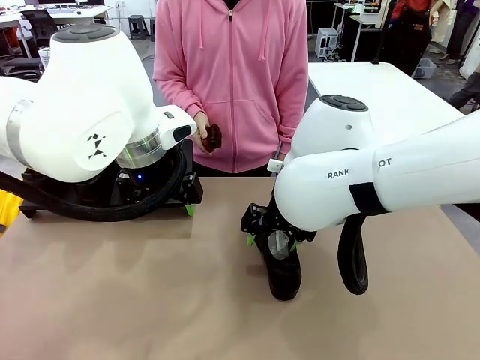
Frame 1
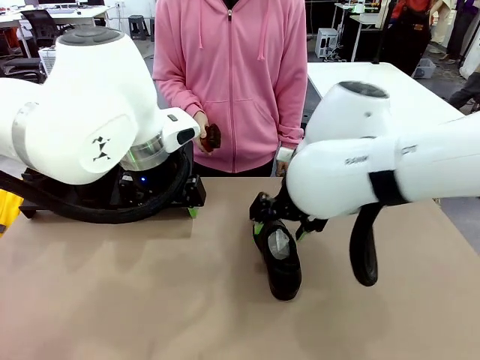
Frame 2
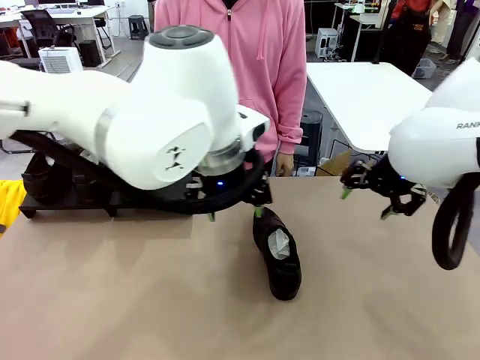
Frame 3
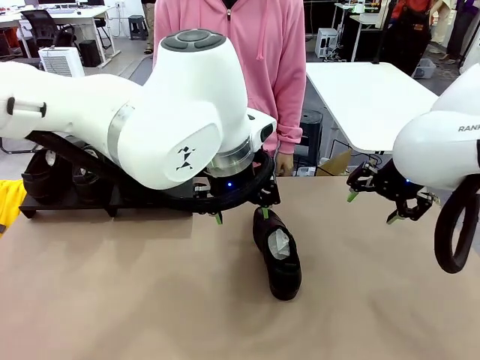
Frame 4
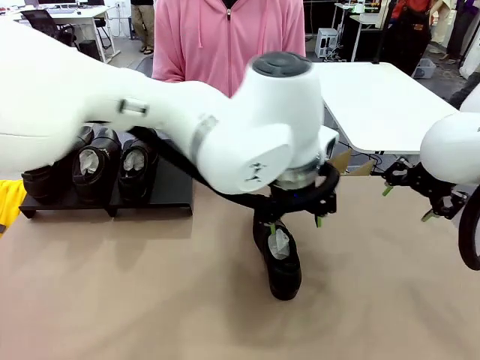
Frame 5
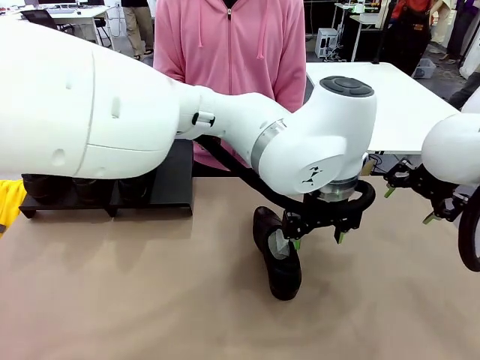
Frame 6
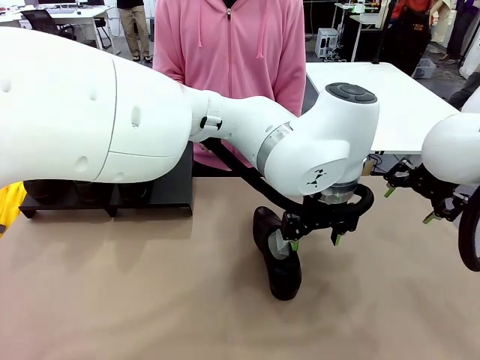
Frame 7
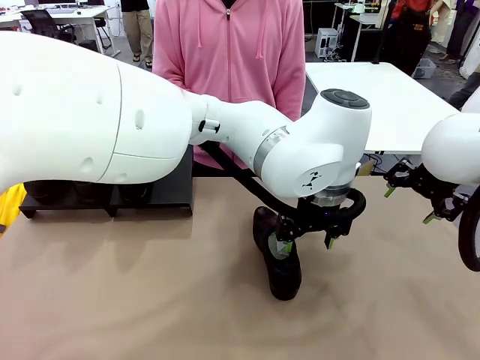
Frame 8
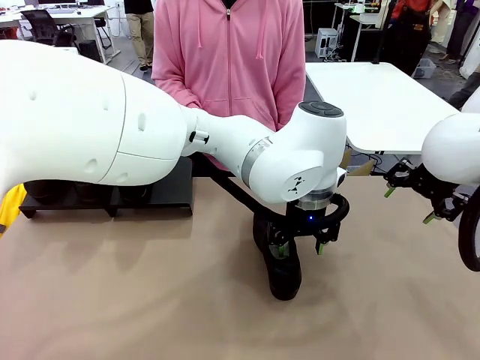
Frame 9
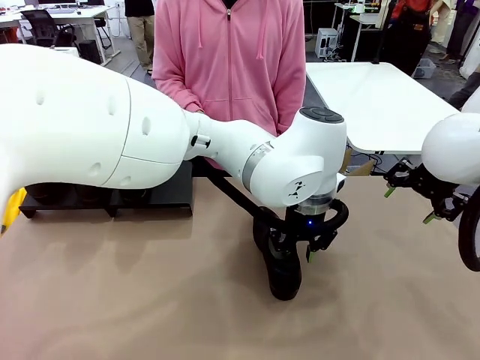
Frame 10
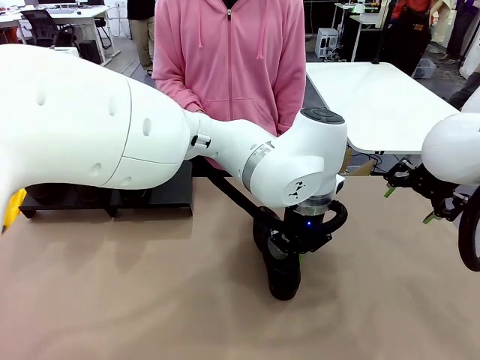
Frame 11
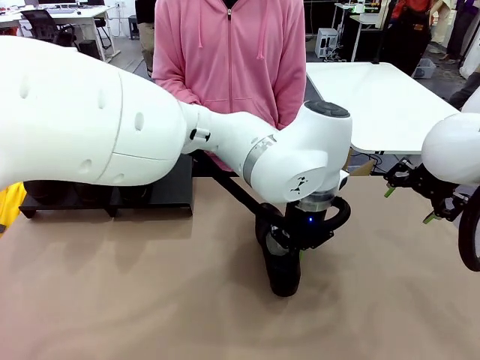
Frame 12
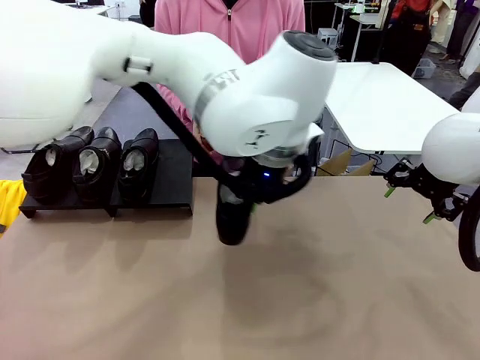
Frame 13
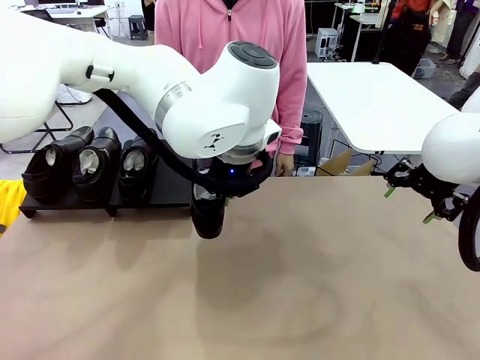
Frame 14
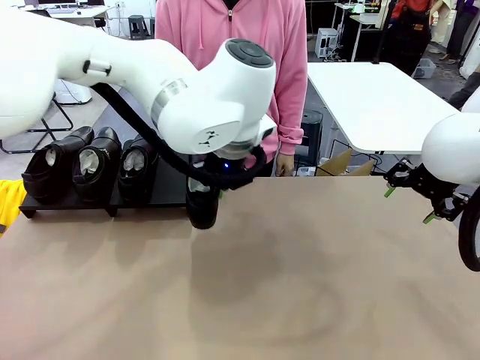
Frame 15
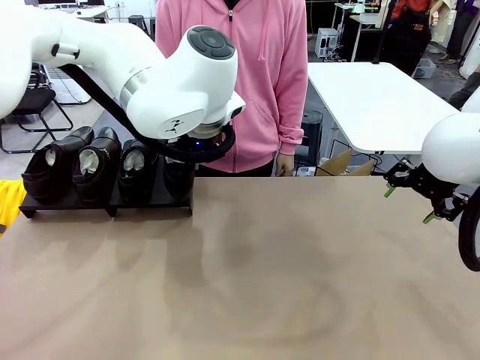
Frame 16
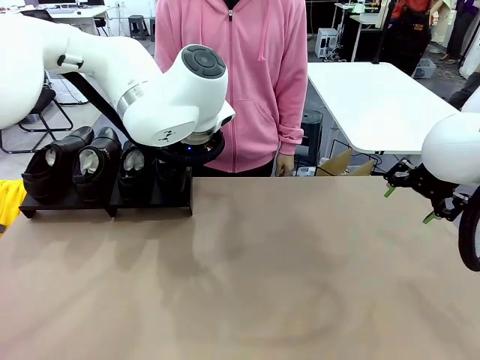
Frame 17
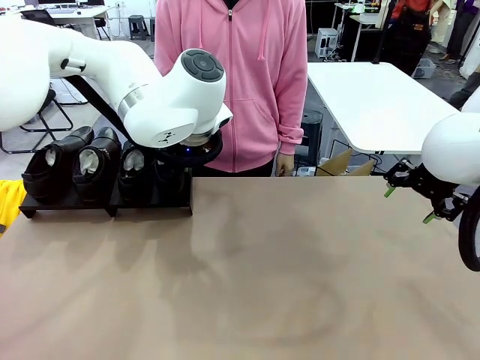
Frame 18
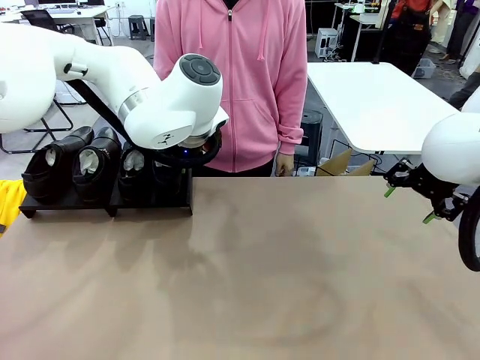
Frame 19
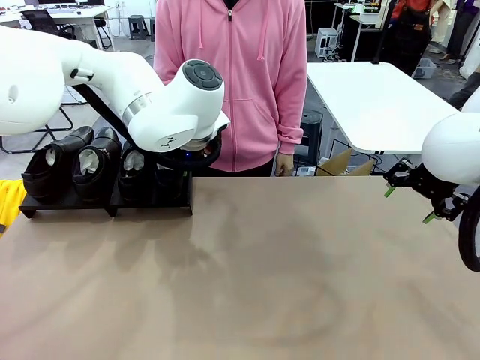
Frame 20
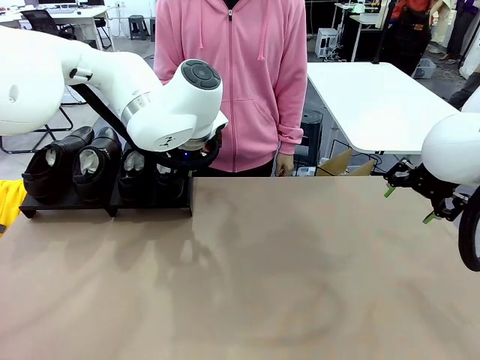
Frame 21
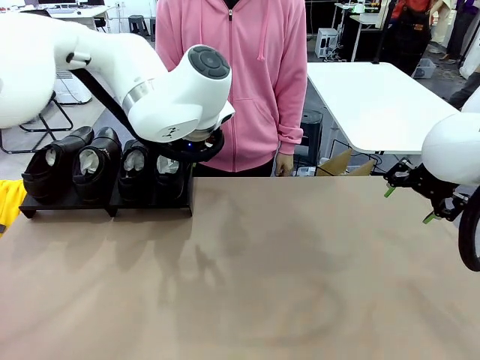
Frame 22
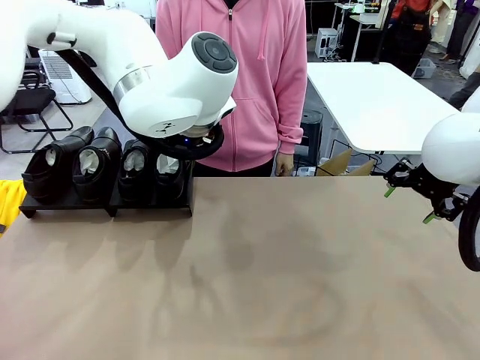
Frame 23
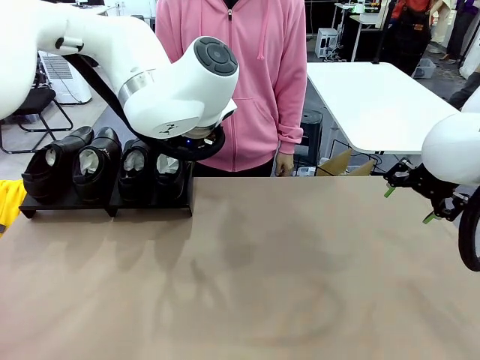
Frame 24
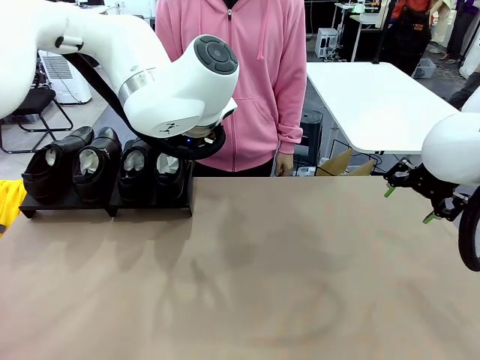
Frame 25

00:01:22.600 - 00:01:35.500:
Task: Organize the shoes by placing them on the stand.
Robot: Place the Shoe from the middle of the table onto the Shoes Stand.

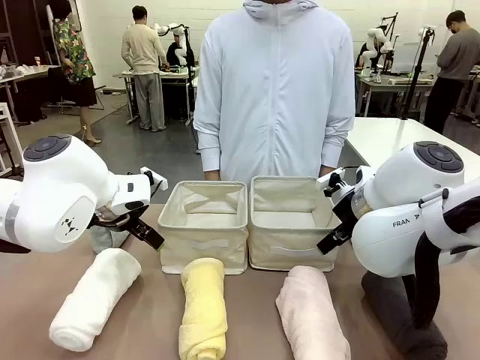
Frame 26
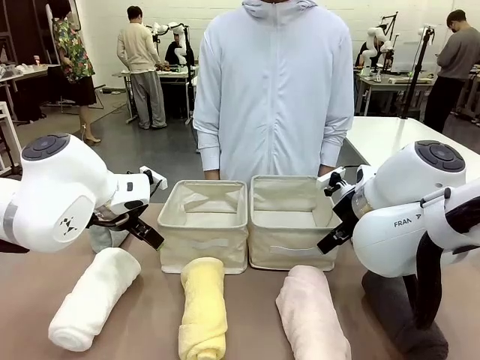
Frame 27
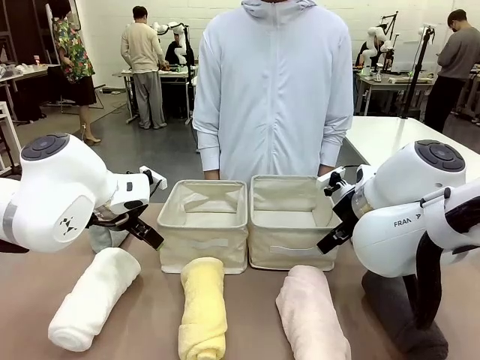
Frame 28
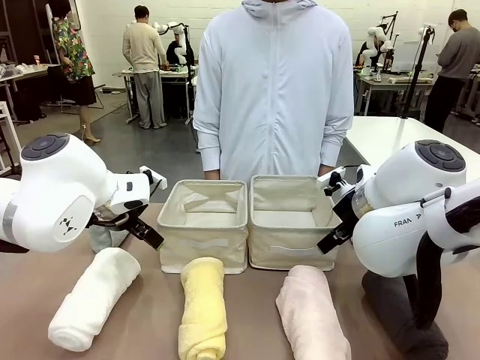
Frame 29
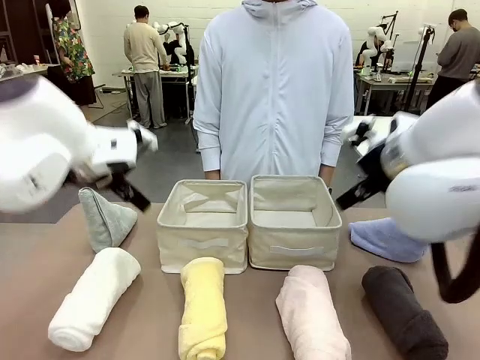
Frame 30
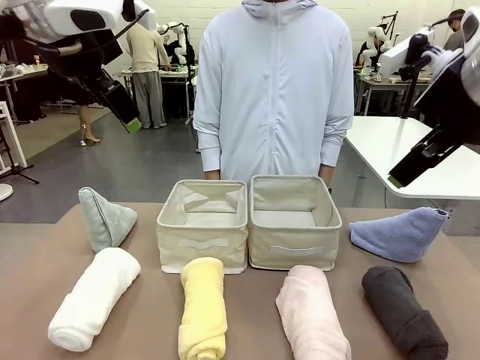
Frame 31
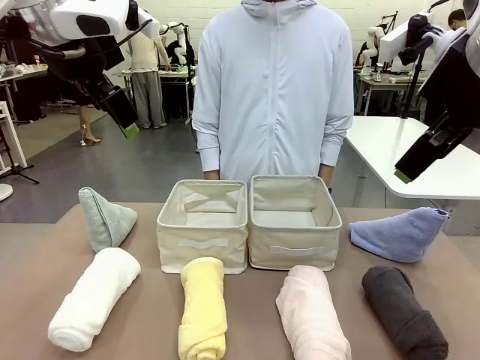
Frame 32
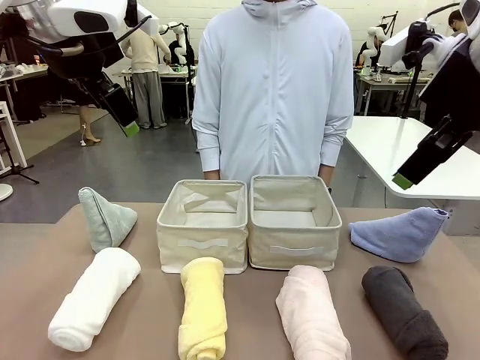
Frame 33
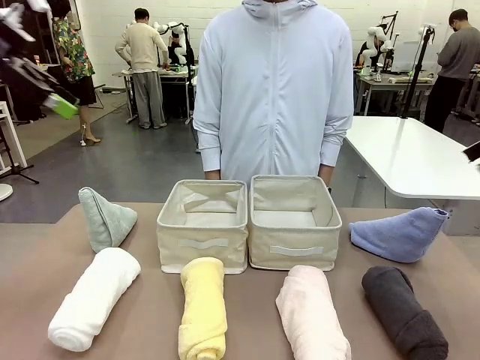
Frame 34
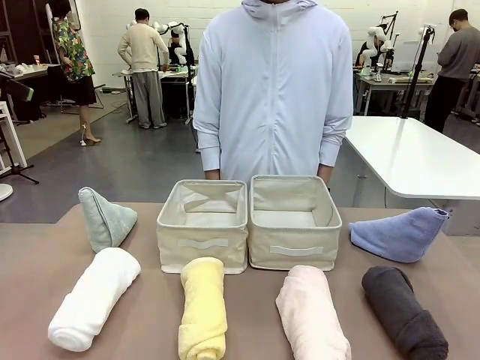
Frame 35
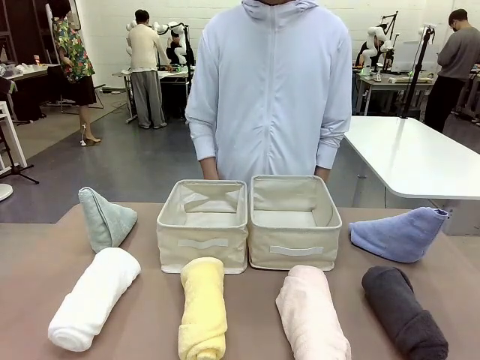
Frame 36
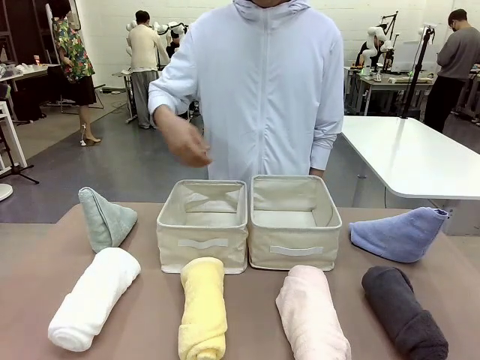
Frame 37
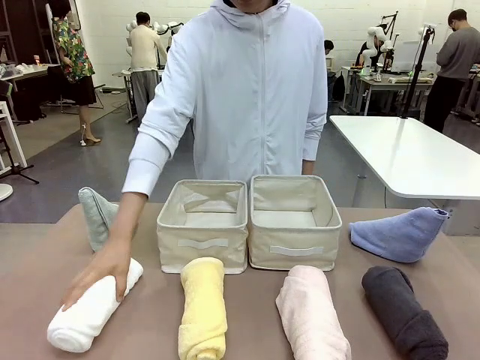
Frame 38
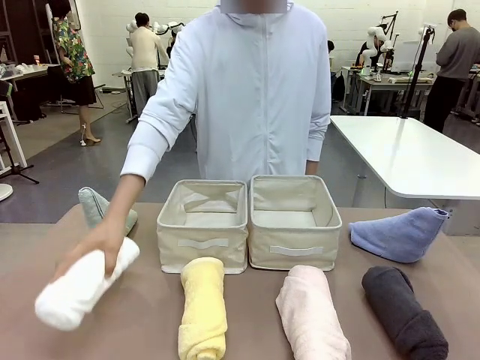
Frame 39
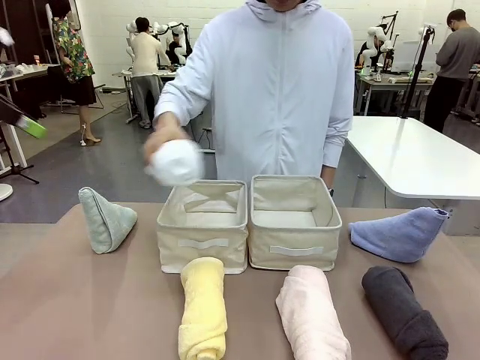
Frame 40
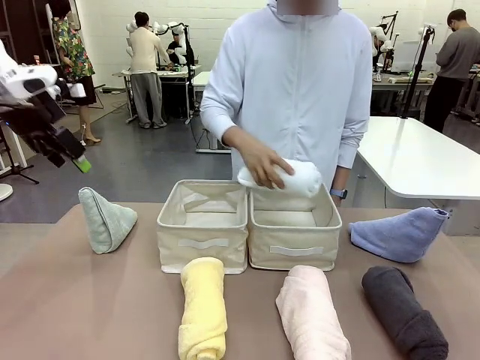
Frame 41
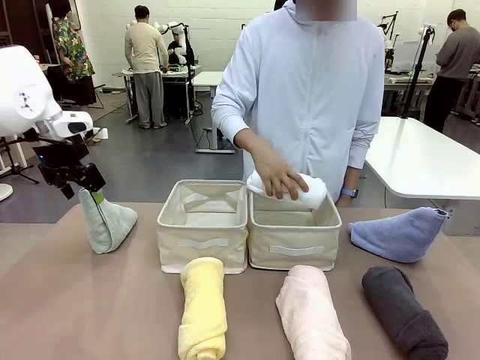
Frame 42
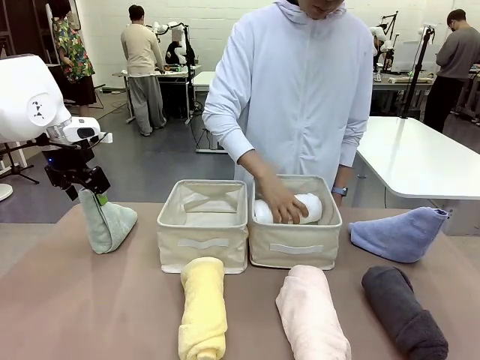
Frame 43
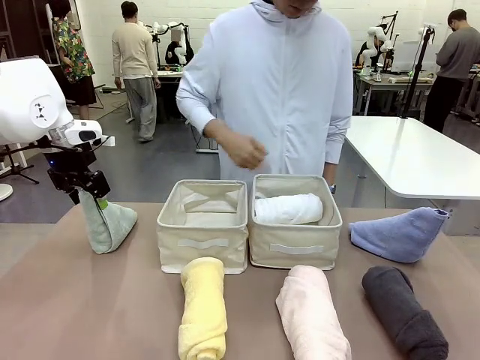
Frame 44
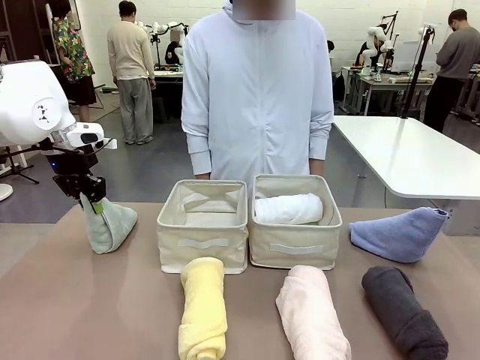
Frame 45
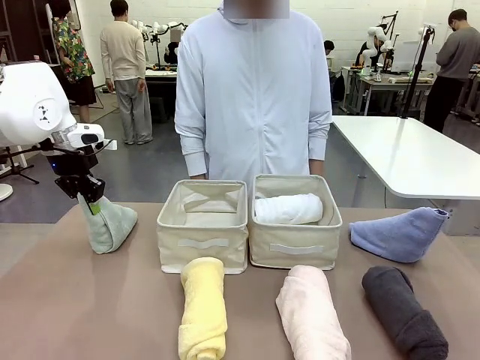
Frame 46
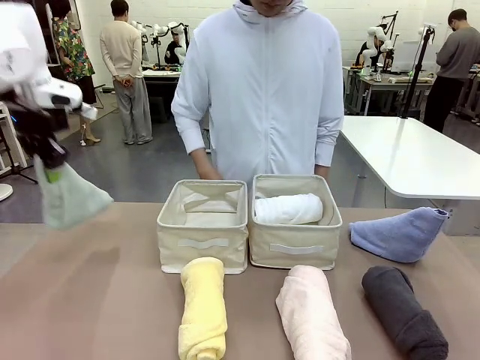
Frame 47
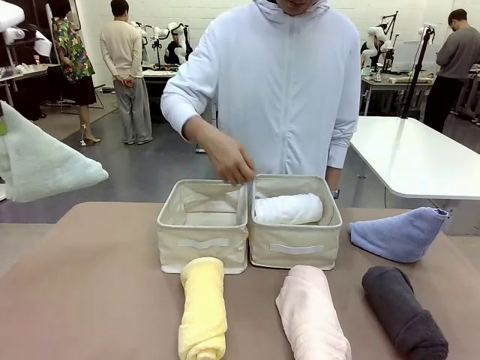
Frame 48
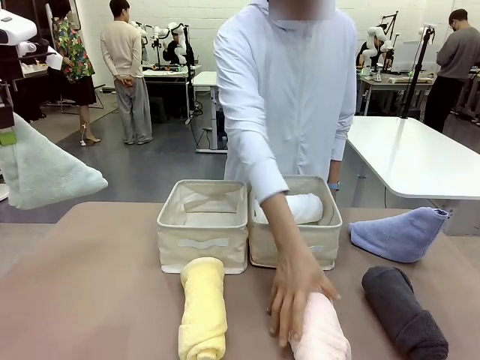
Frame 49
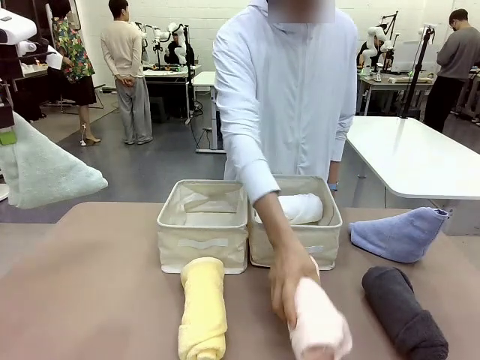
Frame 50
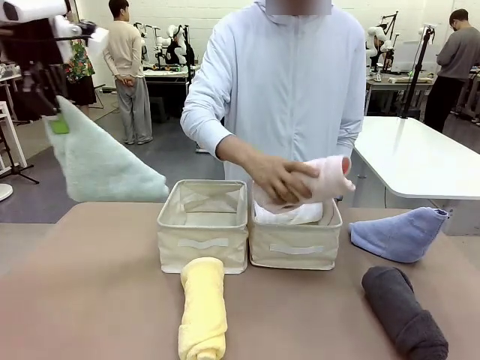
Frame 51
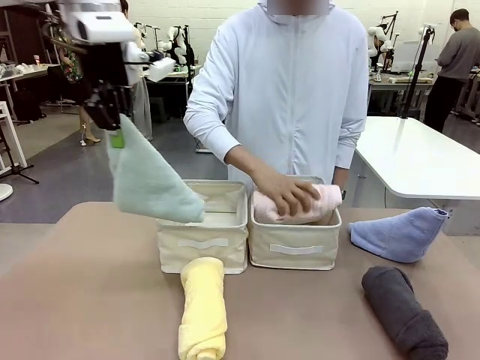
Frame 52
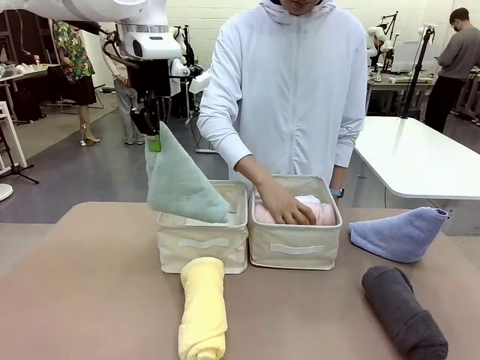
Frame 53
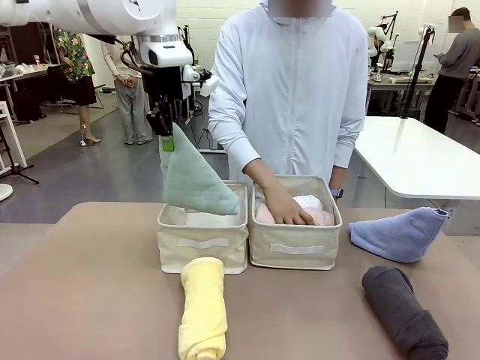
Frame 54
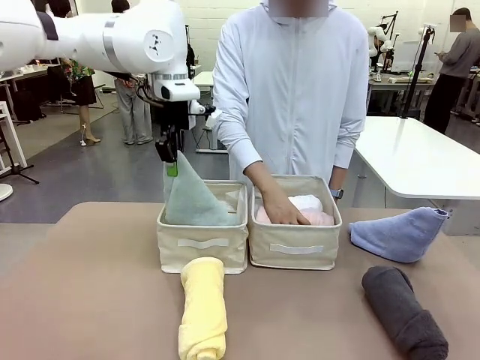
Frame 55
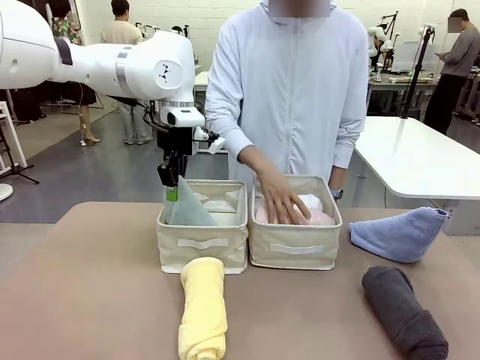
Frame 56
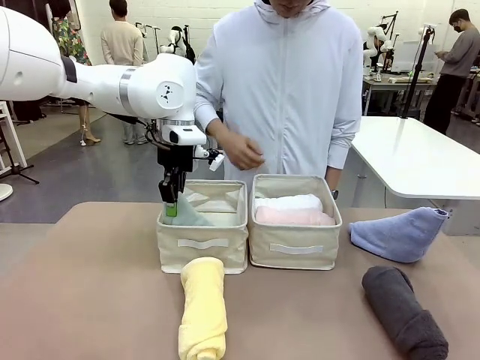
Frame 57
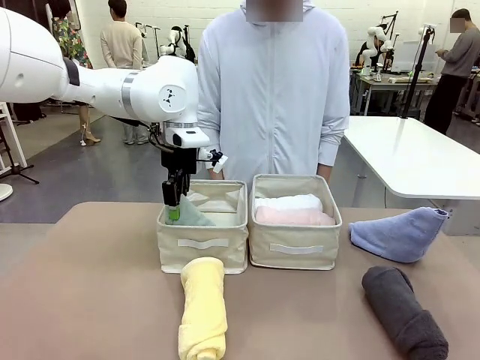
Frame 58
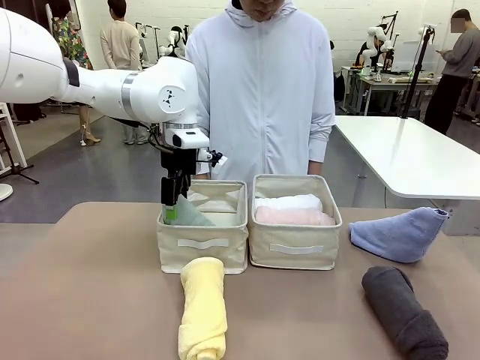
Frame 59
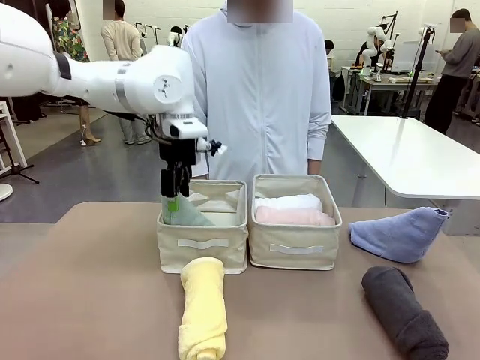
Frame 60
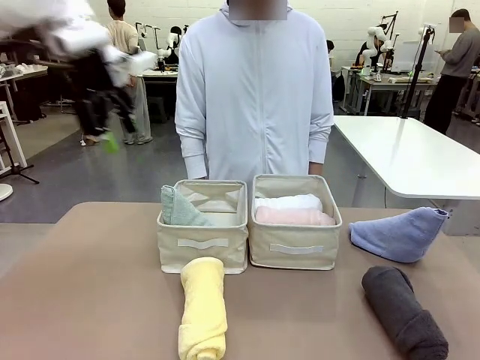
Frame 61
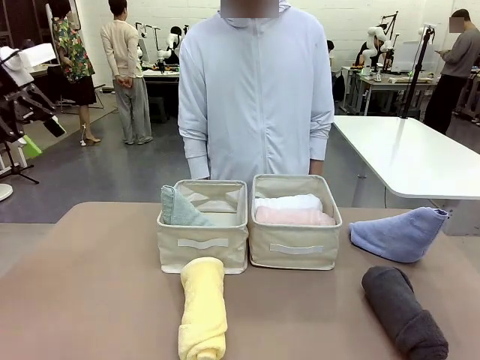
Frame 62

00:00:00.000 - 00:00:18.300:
Task: Sort the towels based on their folding style.
Robot: Pick up one triangle-folded towel and place it in the left Fabric basket.
Person: Pick up one hotel-style rolled towel and place it in the left fabric basket.
